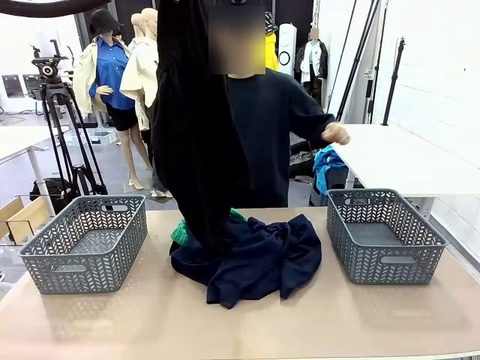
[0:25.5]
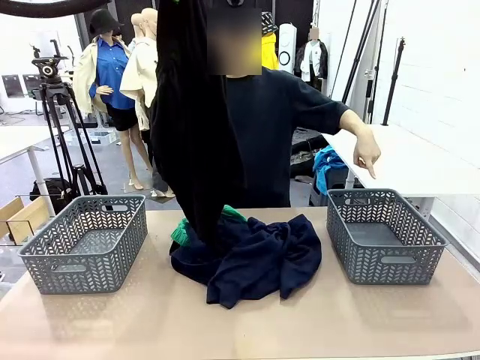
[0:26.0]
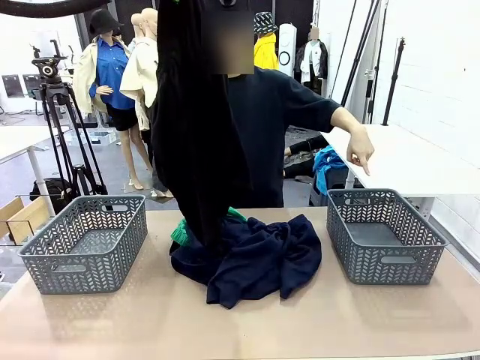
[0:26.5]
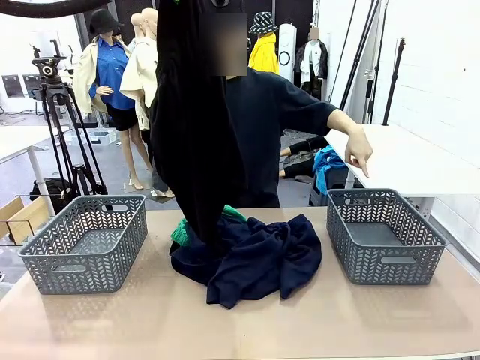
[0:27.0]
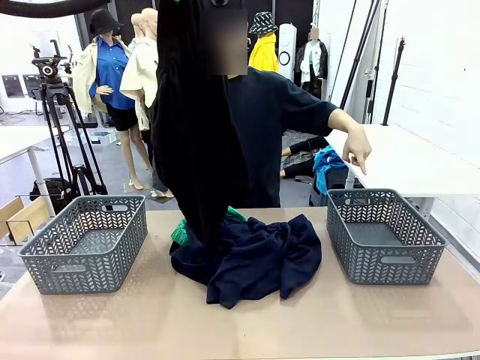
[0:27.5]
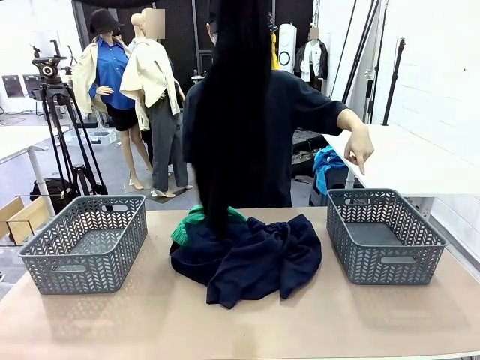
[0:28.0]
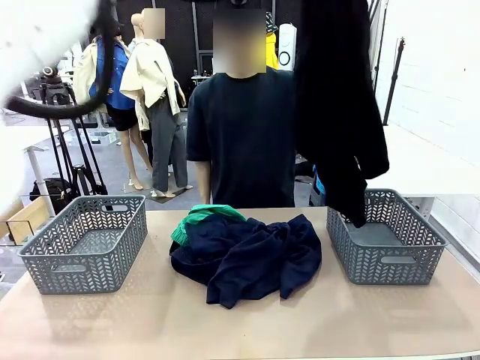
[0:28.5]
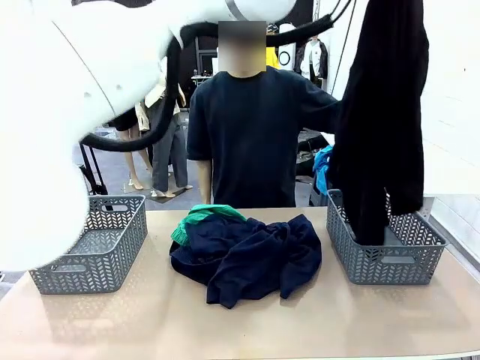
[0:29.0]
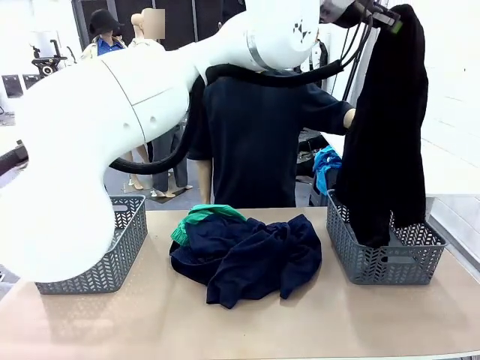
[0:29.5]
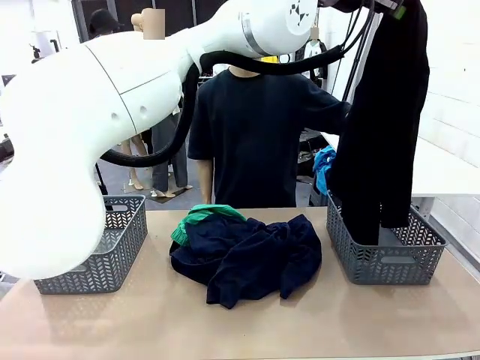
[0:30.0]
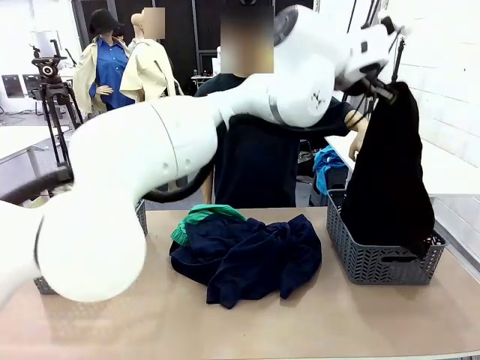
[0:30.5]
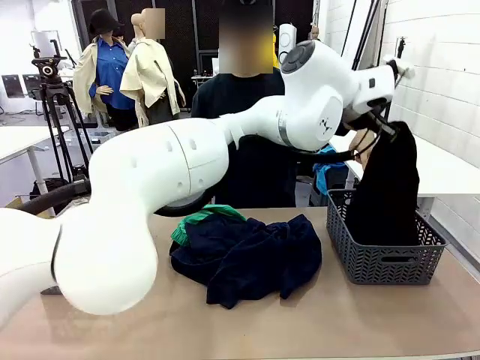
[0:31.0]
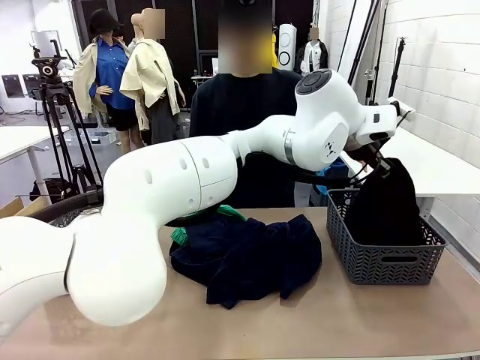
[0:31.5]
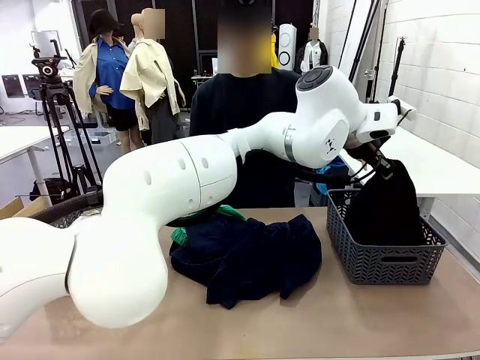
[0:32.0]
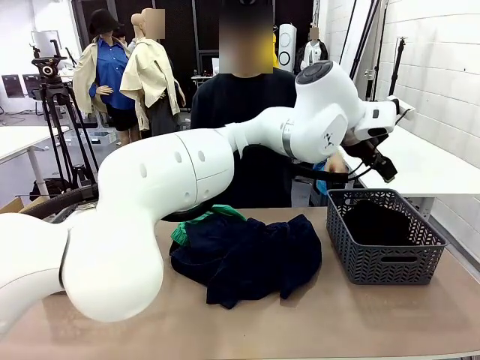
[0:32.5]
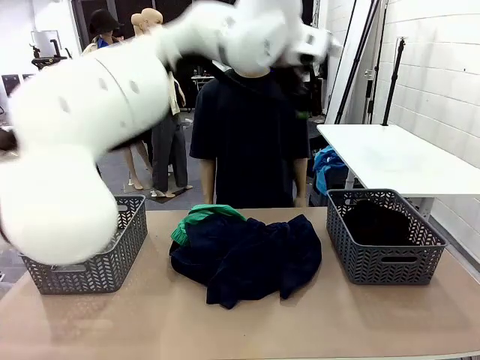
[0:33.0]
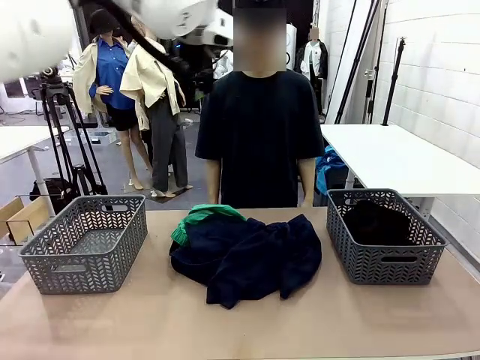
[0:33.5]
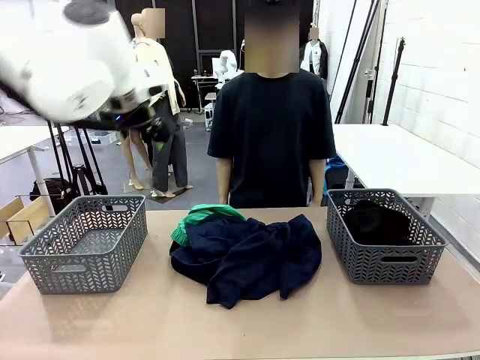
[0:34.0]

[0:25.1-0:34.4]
Task: Sort the tops and bottoms.
Robot: Sort the clothes according to human instructions.

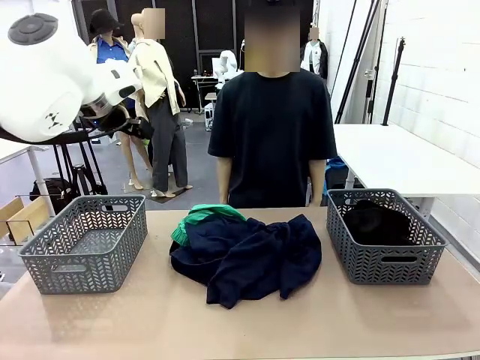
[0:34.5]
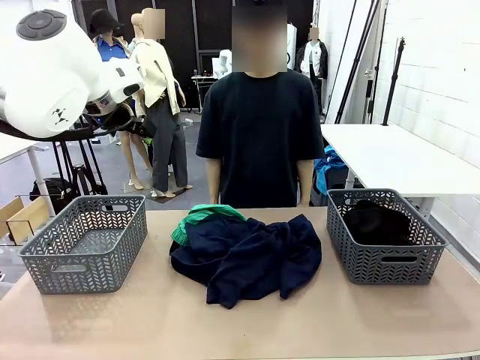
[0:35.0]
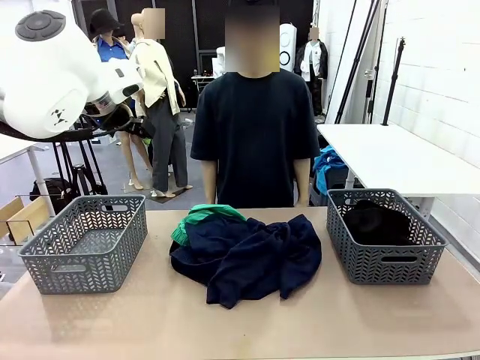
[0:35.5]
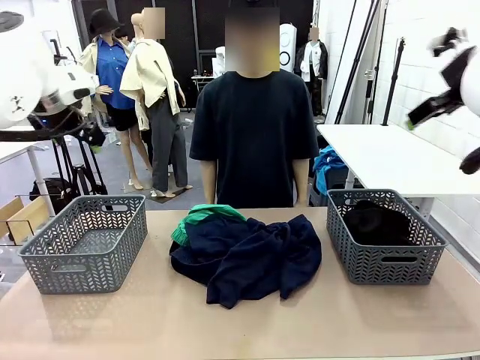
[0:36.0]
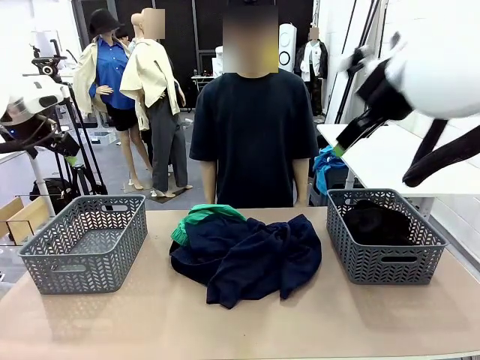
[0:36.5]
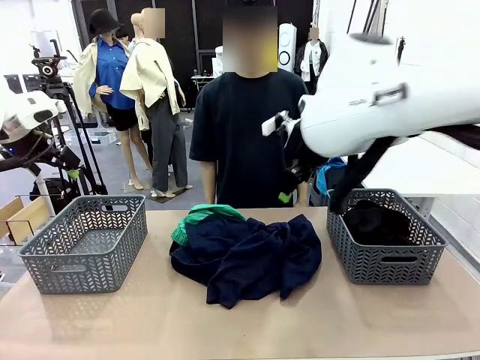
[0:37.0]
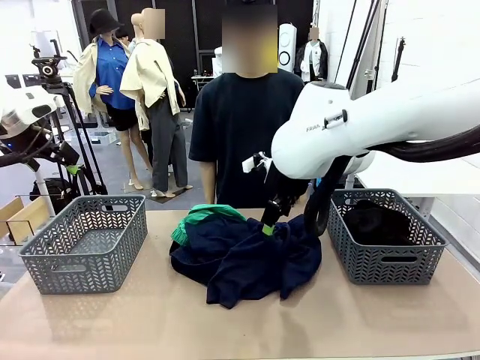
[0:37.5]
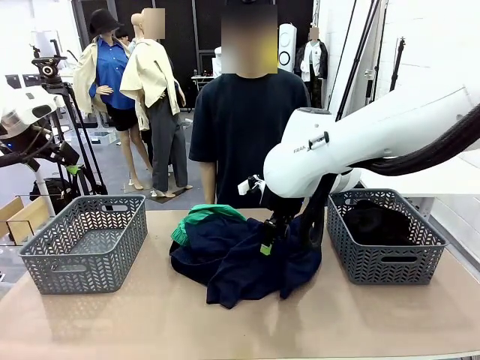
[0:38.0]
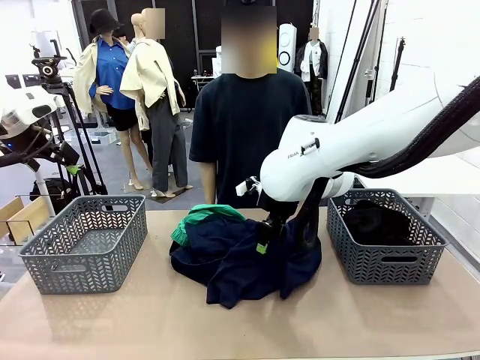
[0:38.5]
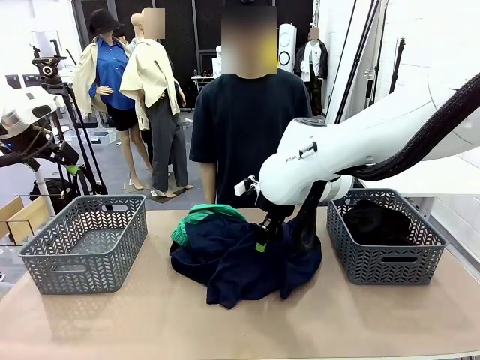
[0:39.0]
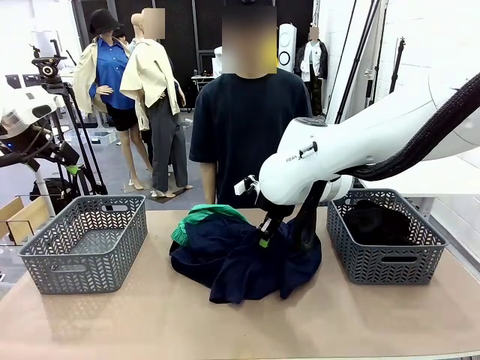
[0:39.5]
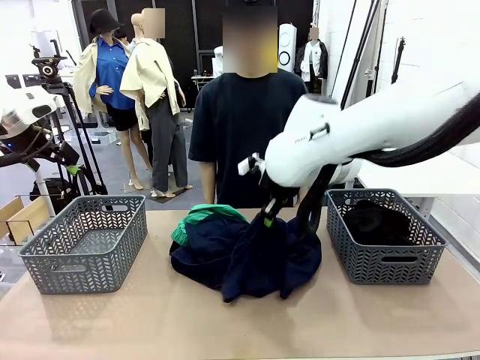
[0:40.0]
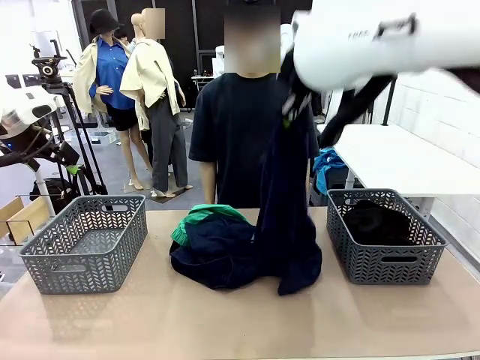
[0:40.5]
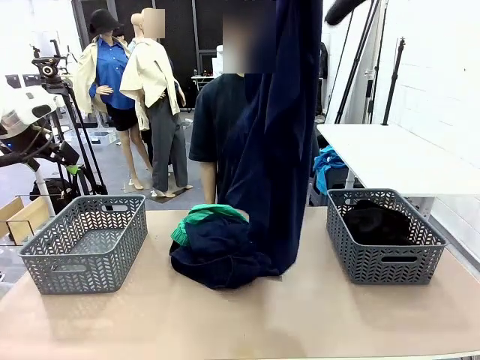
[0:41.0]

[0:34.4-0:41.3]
Robot: Lift clothes from the center of the table with your right hand.

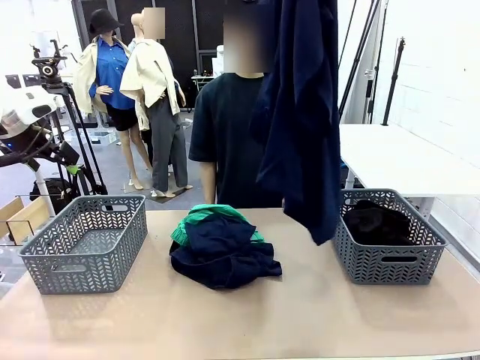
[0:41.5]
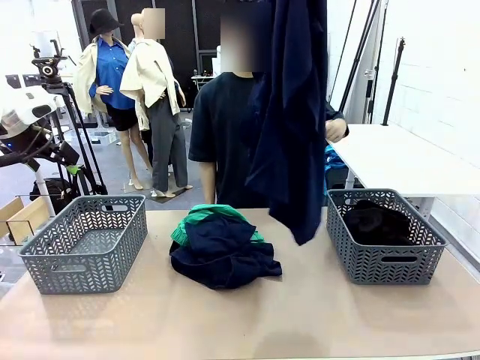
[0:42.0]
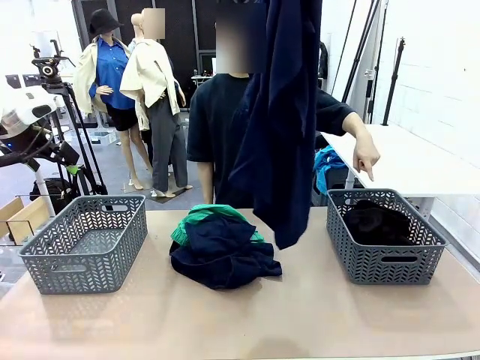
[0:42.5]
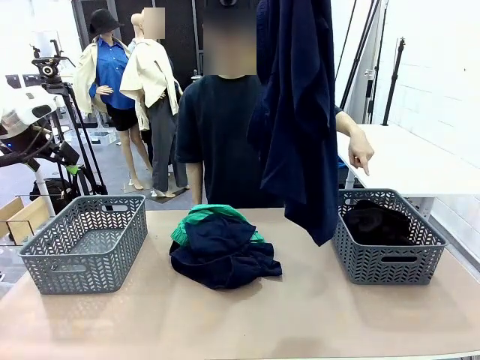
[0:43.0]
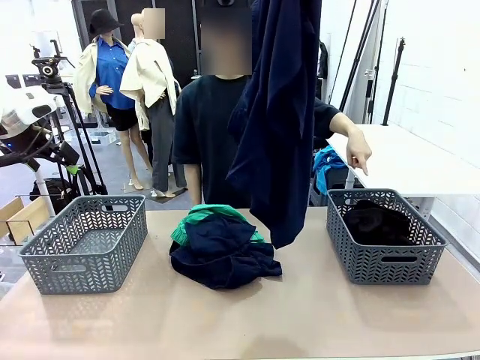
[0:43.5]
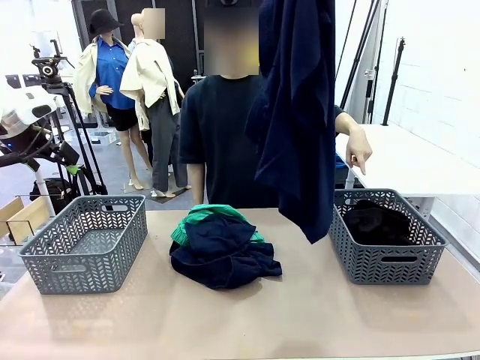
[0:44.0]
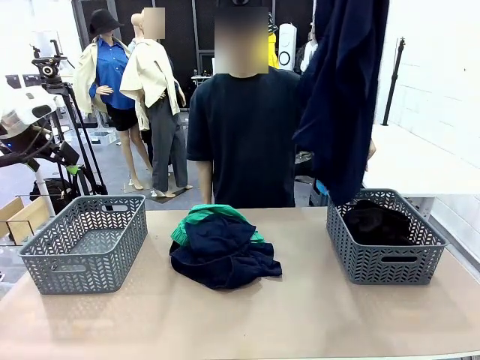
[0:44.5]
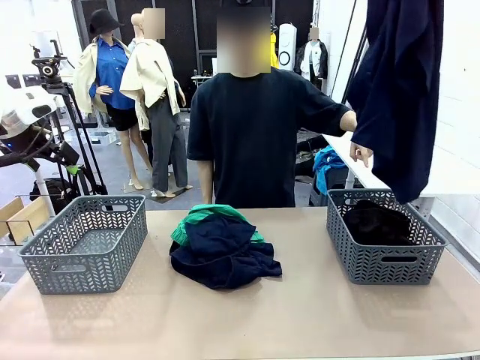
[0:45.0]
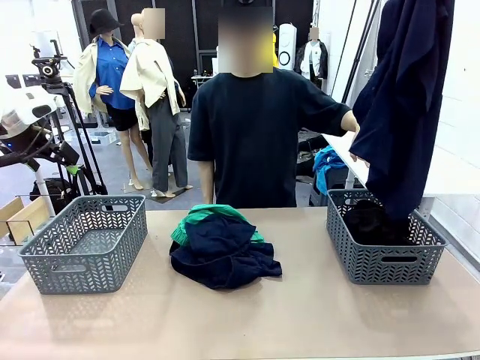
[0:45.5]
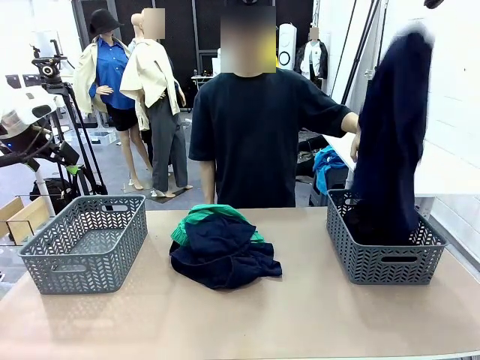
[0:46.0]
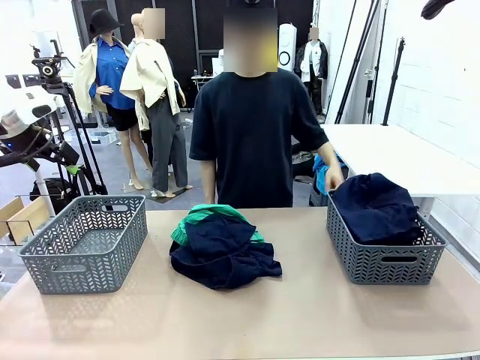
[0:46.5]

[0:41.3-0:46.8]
Robot: Sort the clothes according to human instructions.

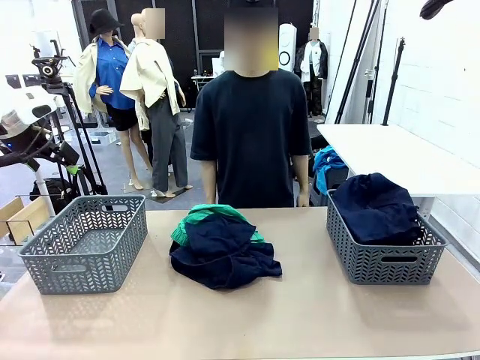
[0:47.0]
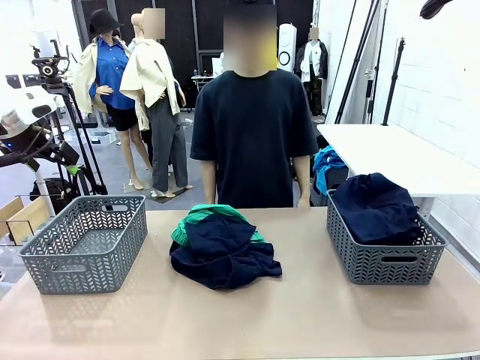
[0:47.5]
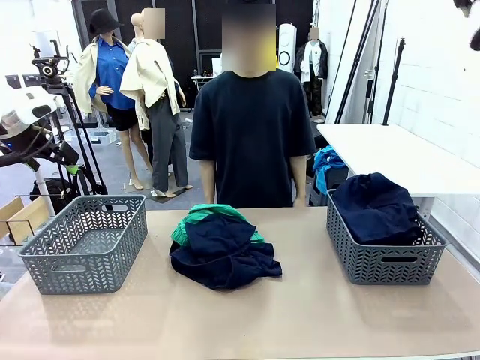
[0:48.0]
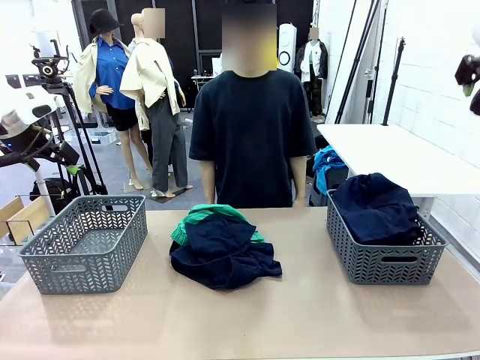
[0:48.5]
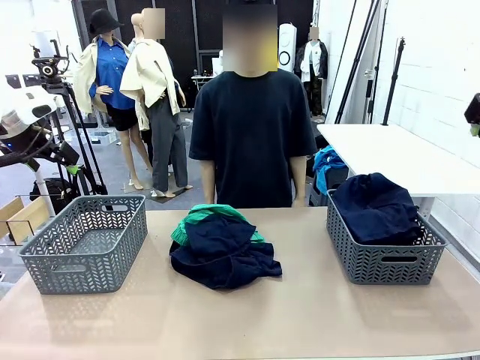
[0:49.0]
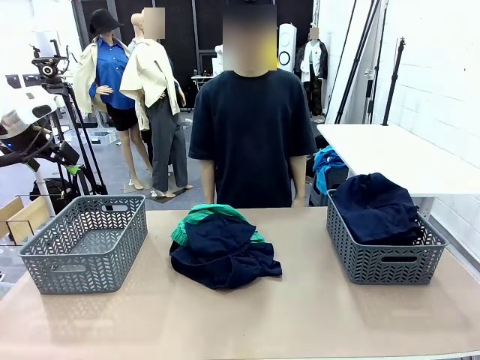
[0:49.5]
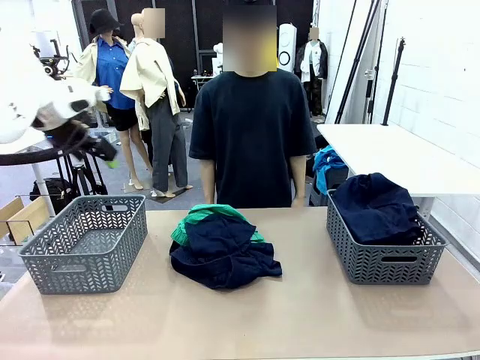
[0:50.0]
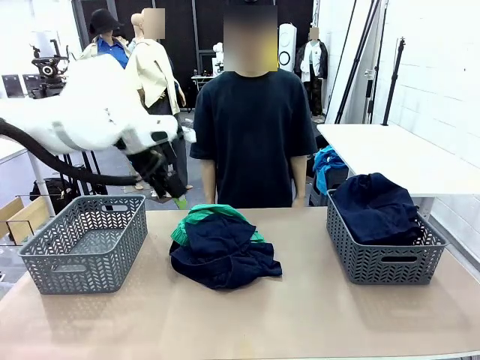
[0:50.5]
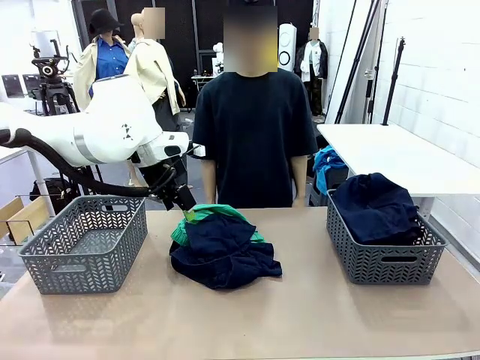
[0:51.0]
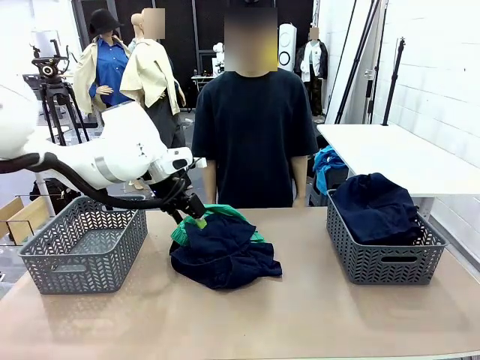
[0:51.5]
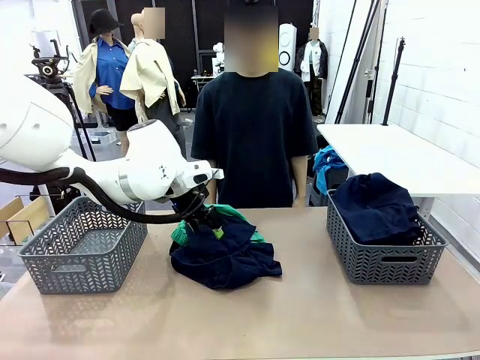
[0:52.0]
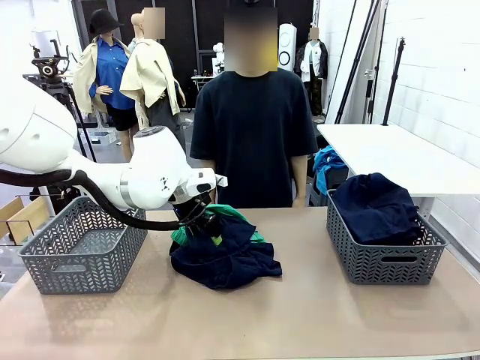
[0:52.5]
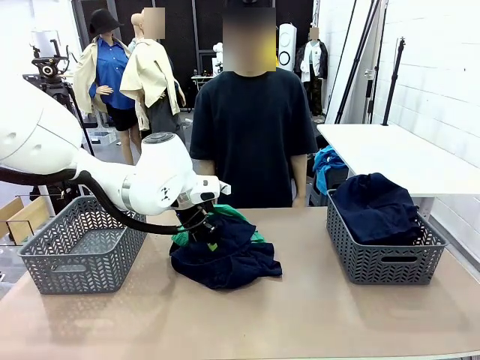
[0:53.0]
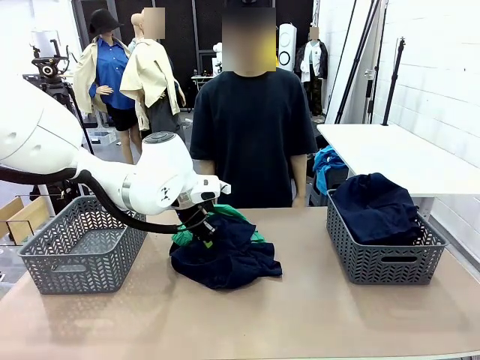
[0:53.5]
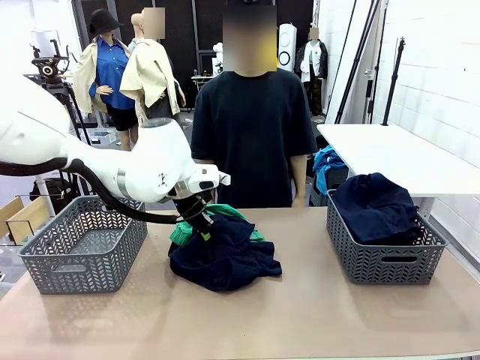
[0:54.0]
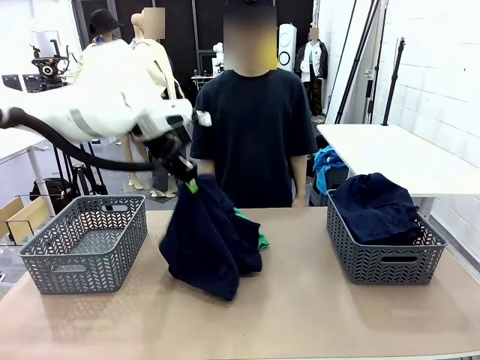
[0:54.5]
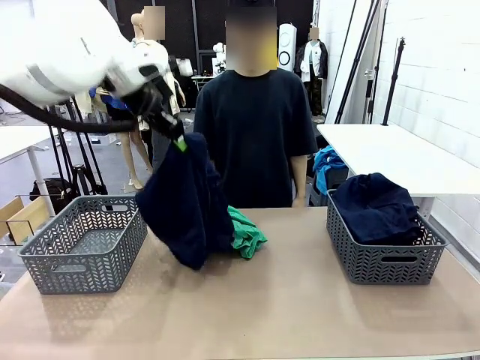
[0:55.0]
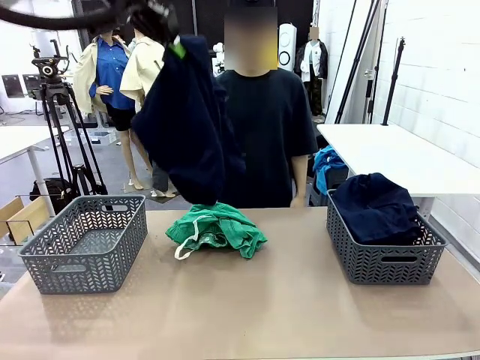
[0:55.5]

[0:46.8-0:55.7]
Robot: Lift clothes from the center of the table with your left hand.
